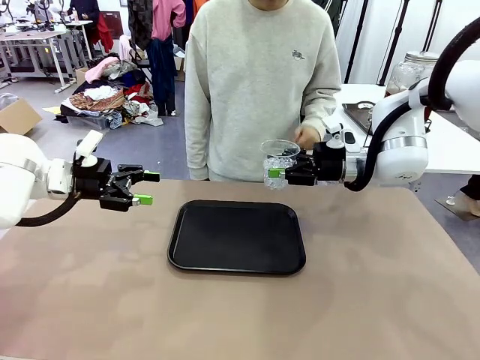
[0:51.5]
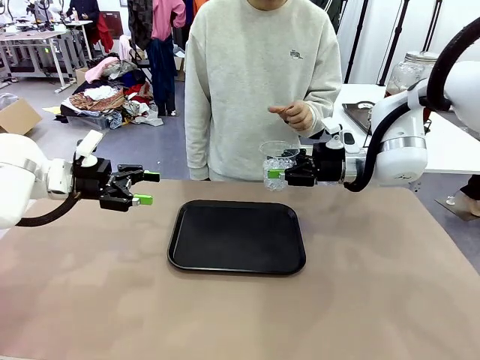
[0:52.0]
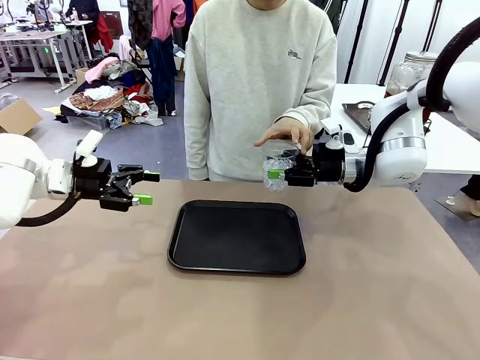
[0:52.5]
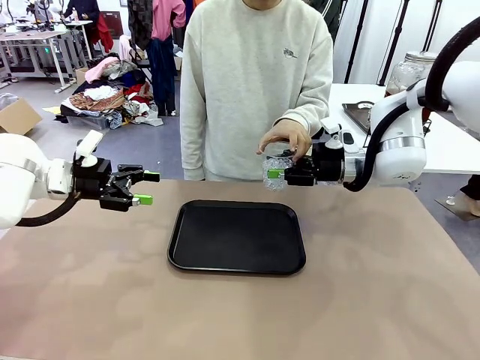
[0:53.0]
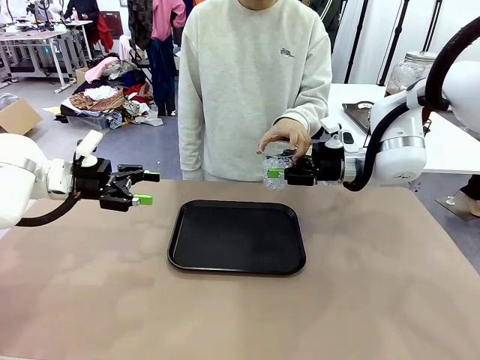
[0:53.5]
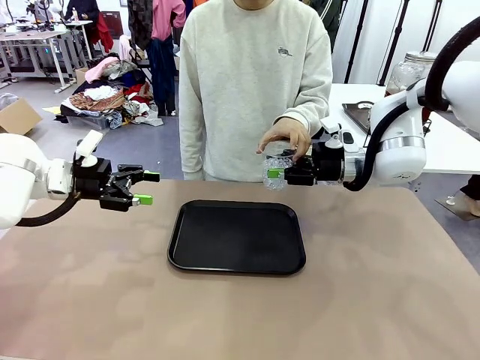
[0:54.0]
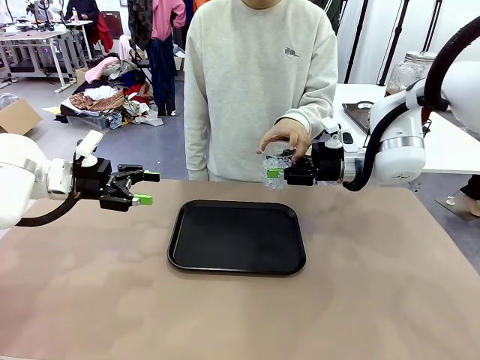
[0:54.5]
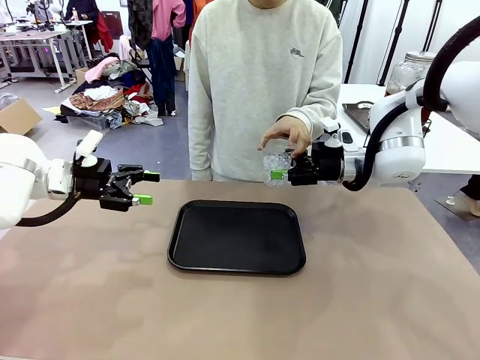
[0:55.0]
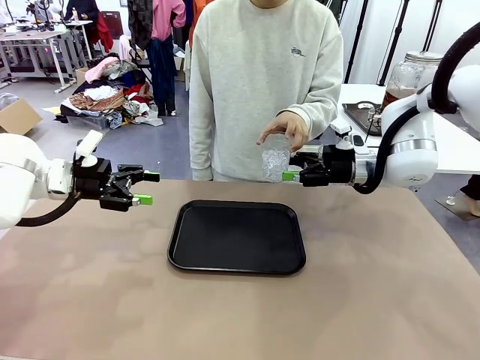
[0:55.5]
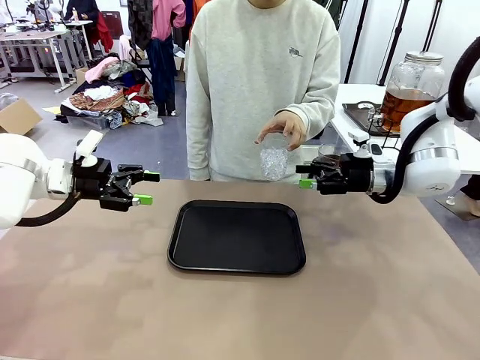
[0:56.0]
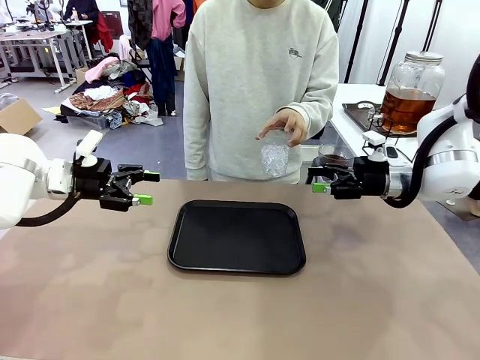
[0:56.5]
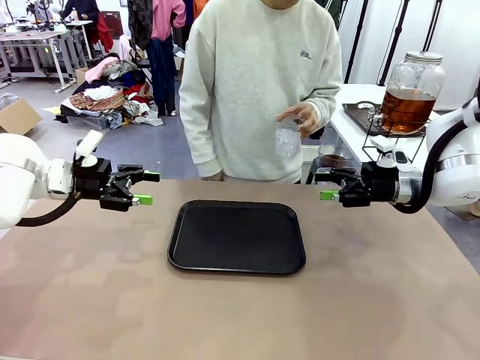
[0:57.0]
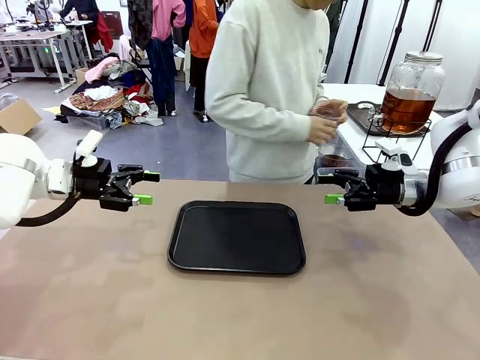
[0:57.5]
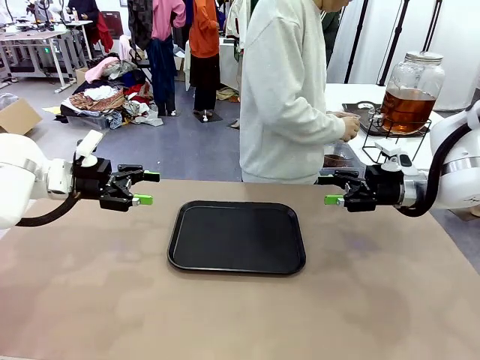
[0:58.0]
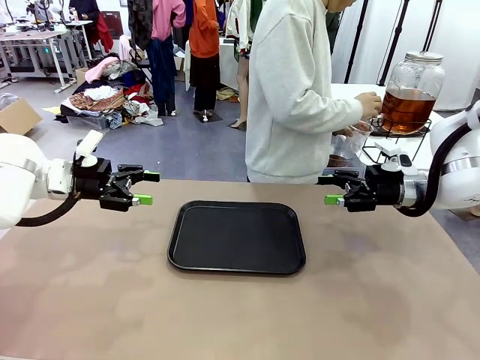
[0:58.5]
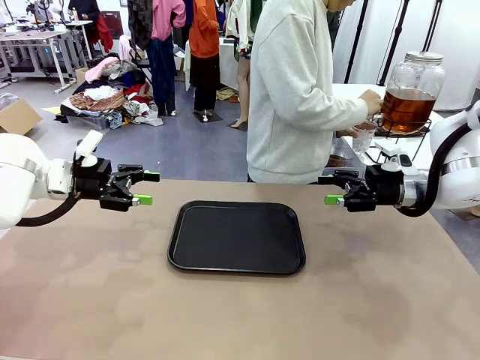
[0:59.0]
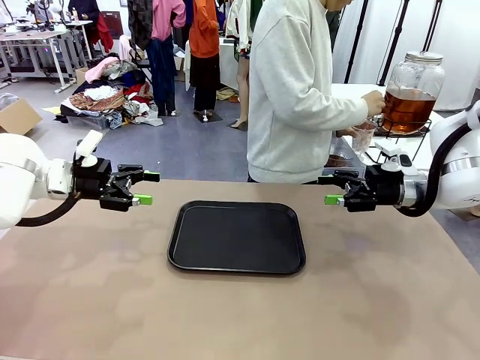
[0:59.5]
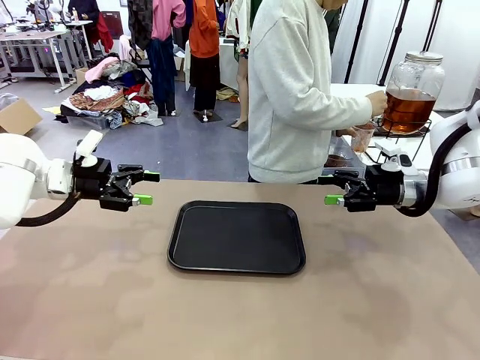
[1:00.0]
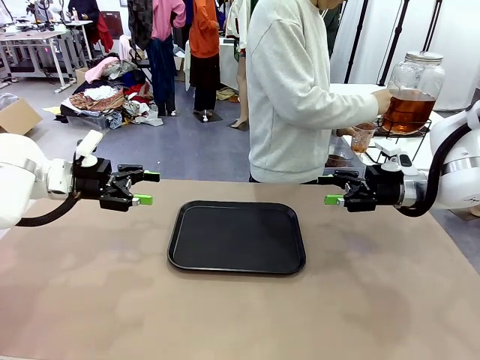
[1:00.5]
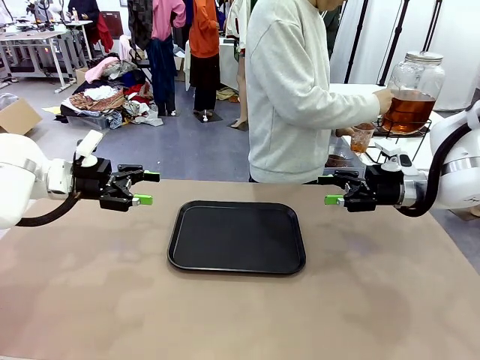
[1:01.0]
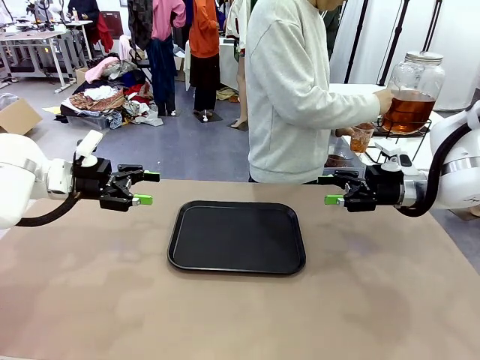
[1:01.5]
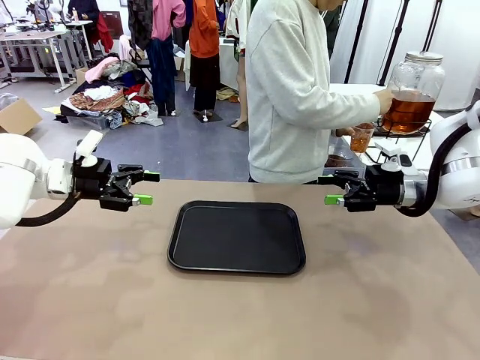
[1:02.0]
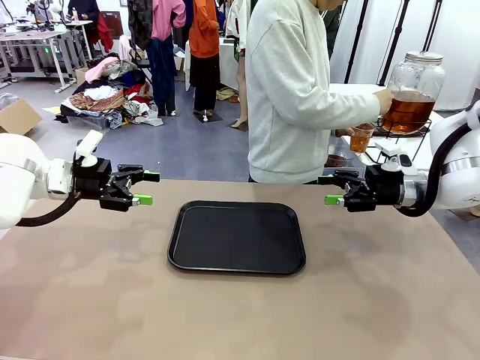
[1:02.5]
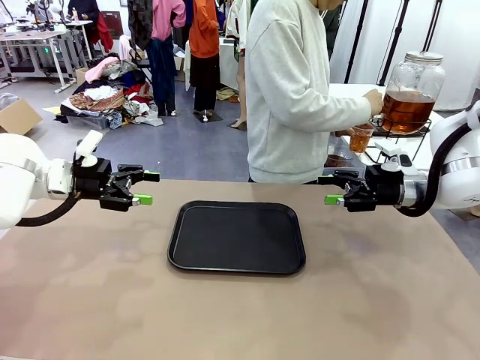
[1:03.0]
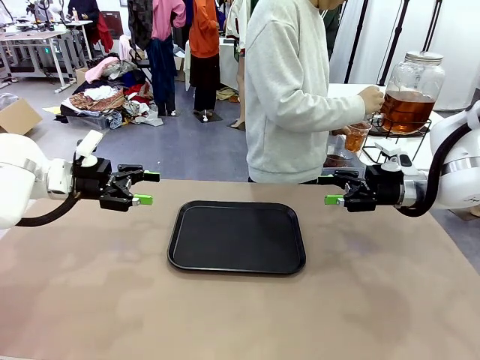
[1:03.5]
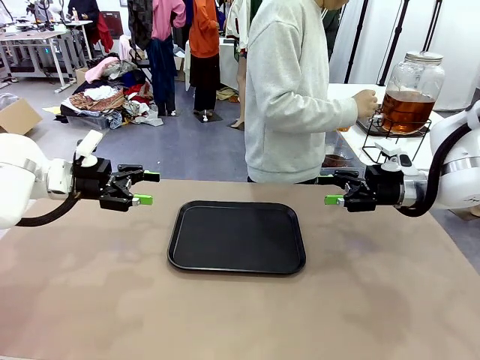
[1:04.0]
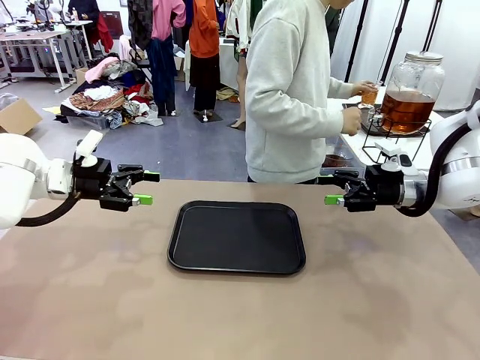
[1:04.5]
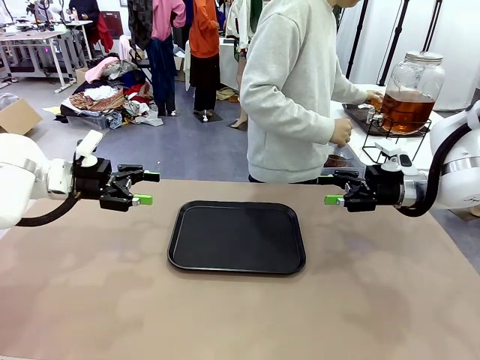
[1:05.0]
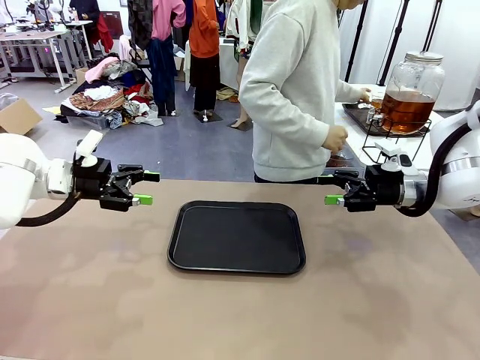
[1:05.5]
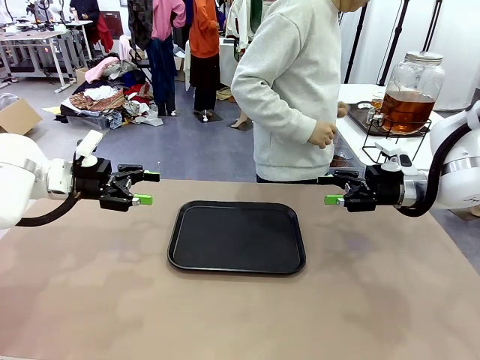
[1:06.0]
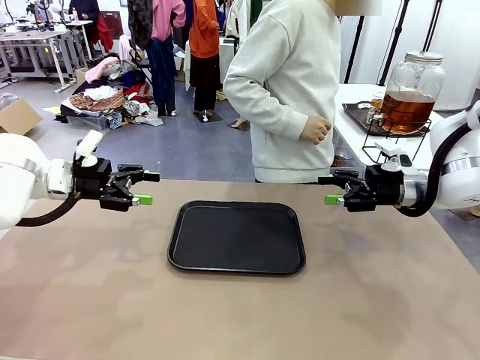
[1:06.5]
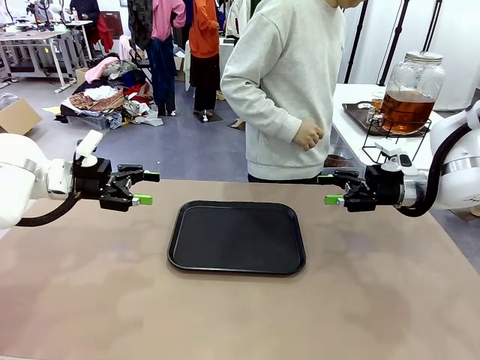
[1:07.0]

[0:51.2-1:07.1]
Task: Pour the drink into the iced cup.
Robot: Open the gripper to release the iced cup you were holding.
Person: Move the picked-up cup under the dispenser faucet, pour the drink, and place it on the tray on the human table.

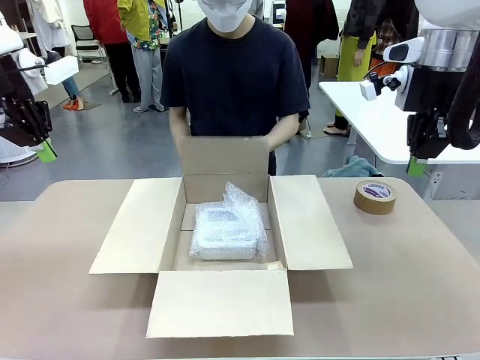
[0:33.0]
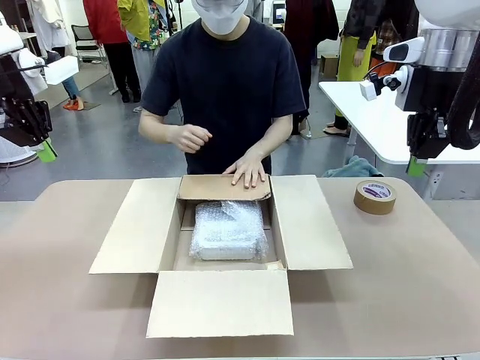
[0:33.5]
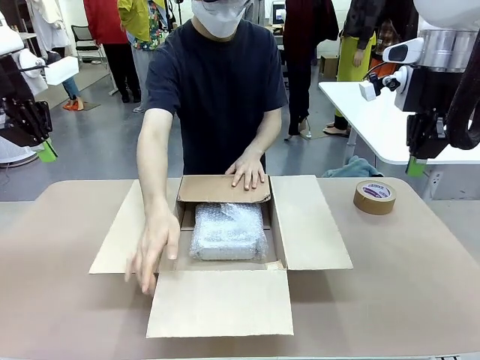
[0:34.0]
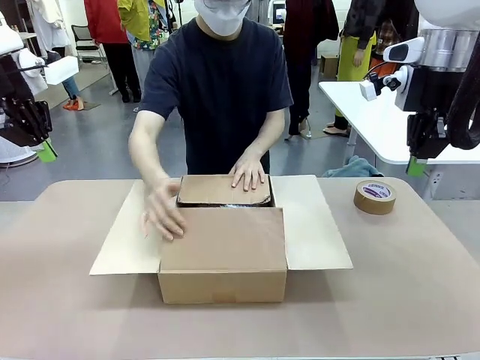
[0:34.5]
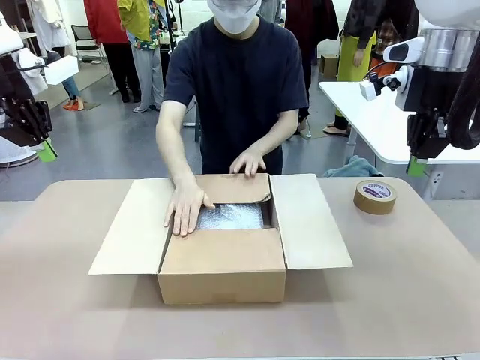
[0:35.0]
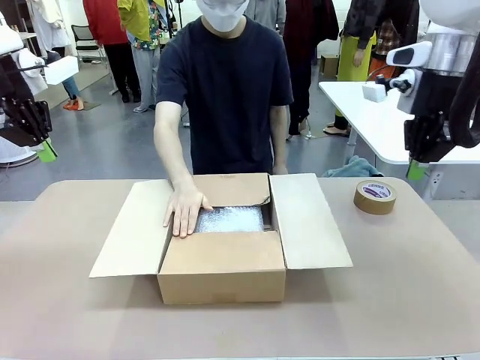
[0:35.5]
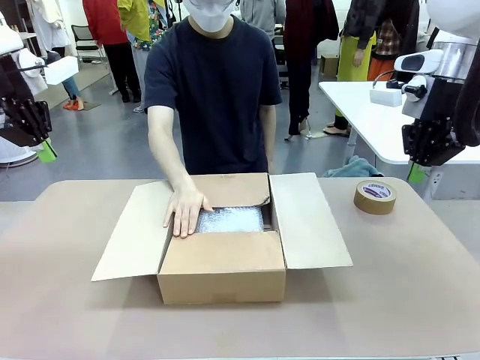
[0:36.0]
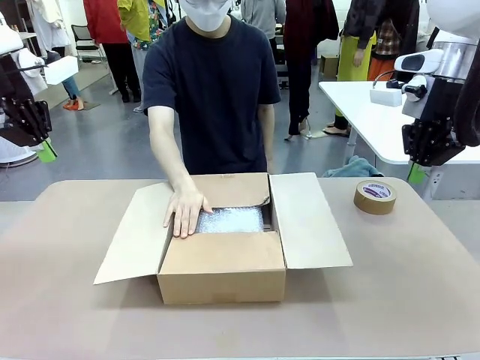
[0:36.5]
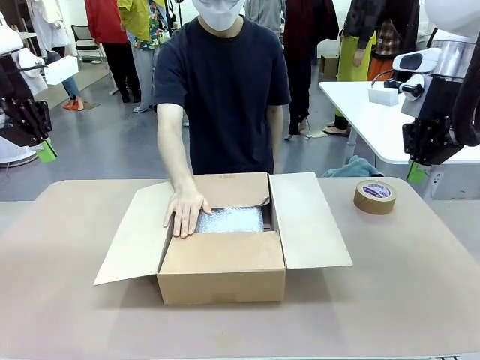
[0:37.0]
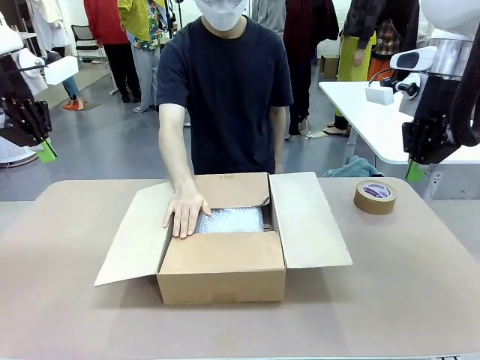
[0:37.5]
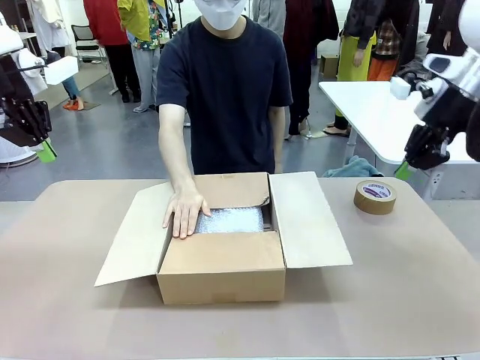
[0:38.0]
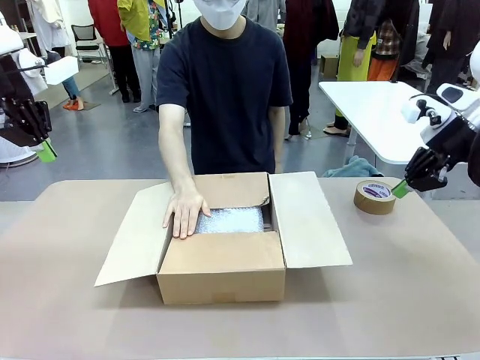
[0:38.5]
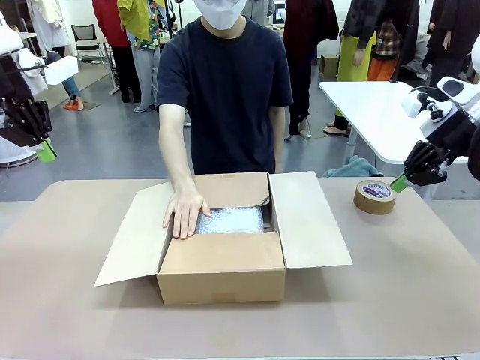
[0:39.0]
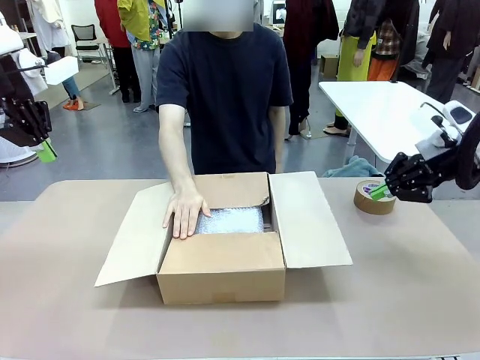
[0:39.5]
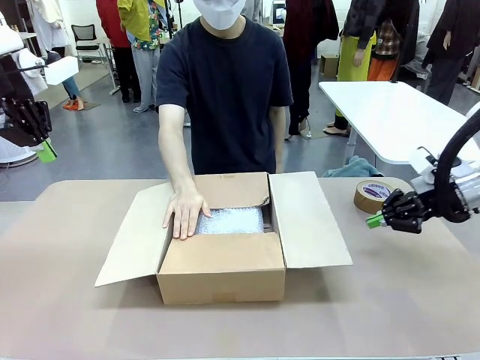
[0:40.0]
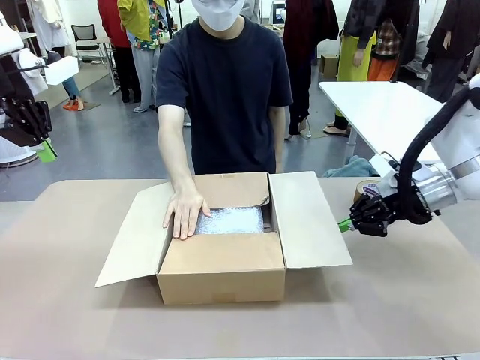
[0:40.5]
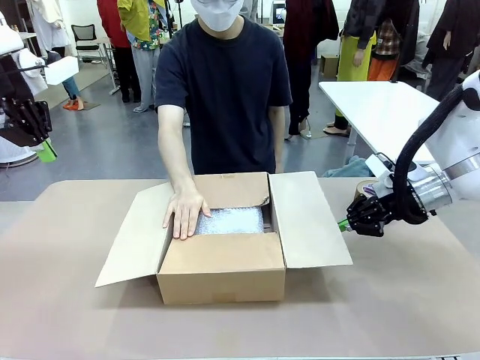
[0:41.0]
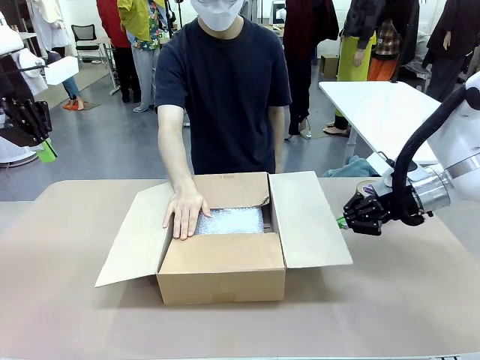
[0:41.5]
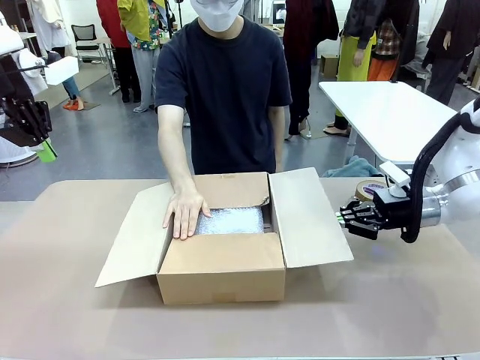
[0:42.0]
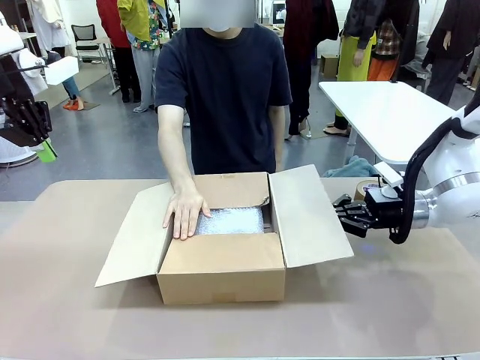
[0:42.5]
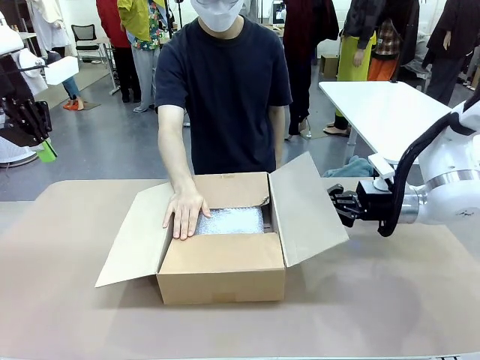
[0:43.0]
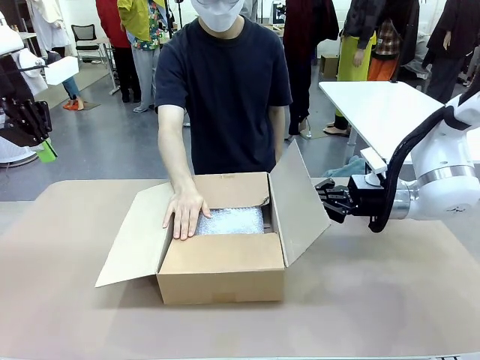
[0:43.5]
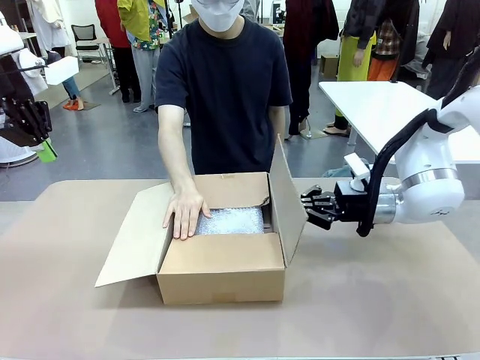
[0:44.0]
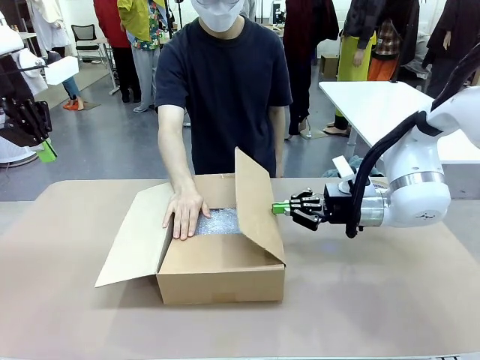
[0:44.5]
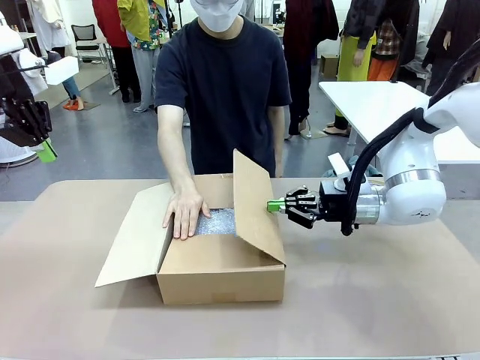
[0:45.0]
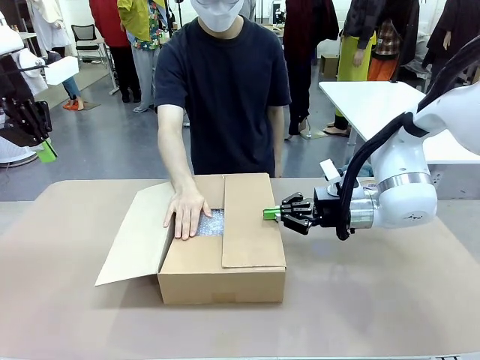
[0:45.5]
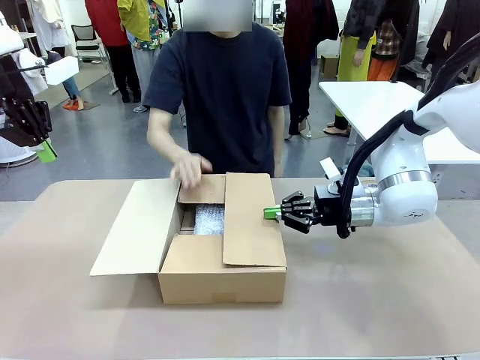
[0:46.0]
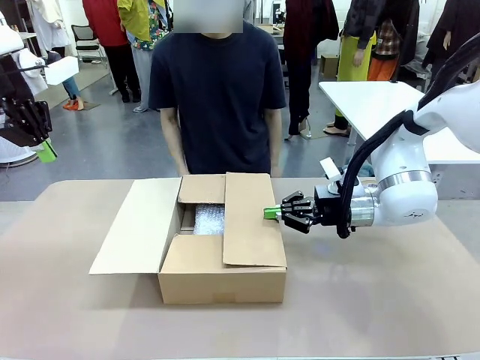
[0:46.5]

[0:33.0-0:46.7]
Task: Wrap the clocks to prevent damage.
Robot: Push the right (or left) flap of the Package Box to close it.
Person: Hold the top and bottom flaps of the Package Box closed with your left (or right) hand. Once the robot closes the right flap of the Package Box , release your left hand from the box.
